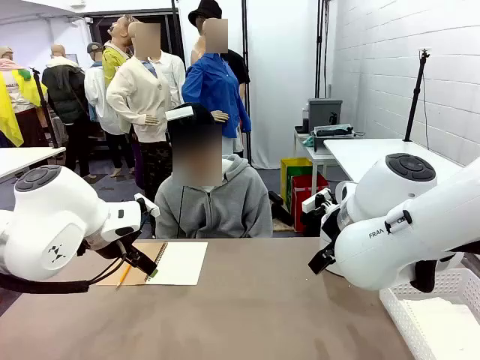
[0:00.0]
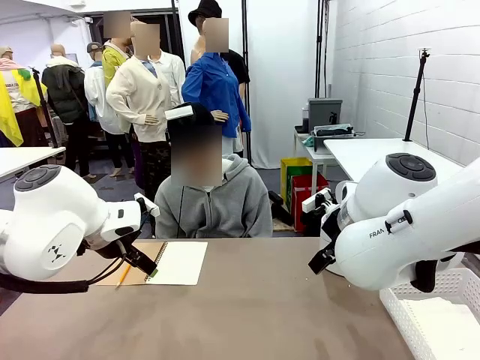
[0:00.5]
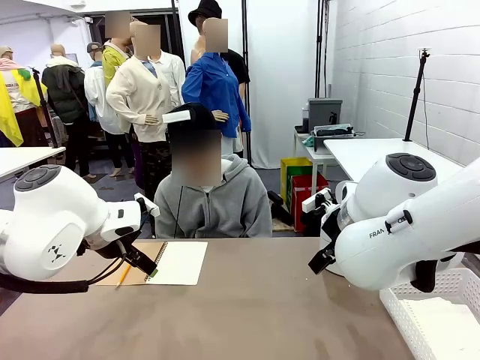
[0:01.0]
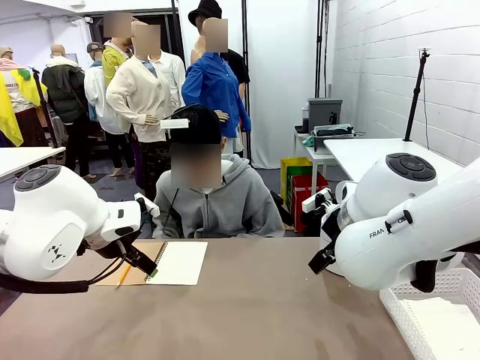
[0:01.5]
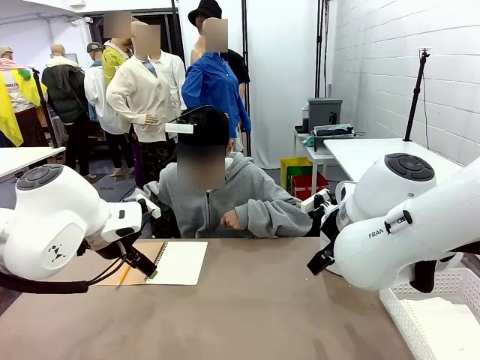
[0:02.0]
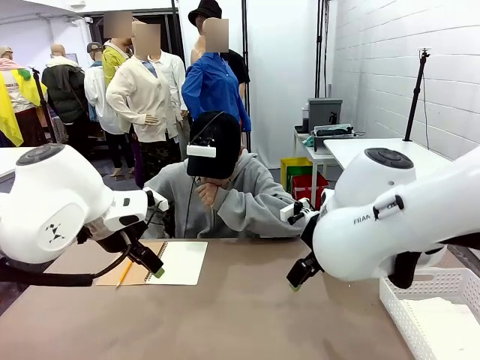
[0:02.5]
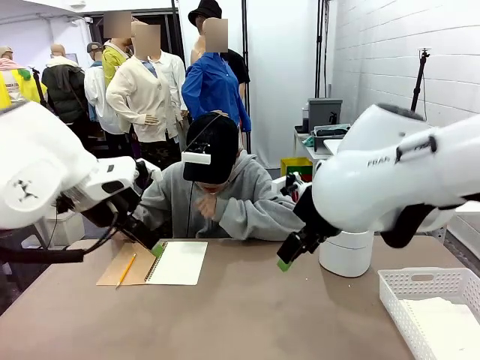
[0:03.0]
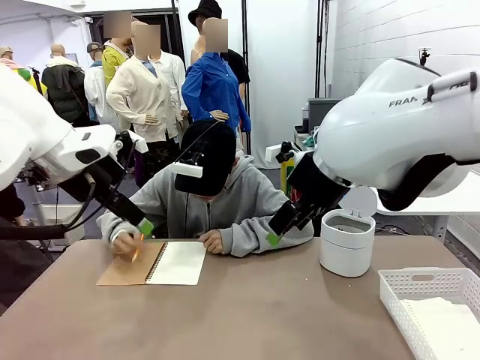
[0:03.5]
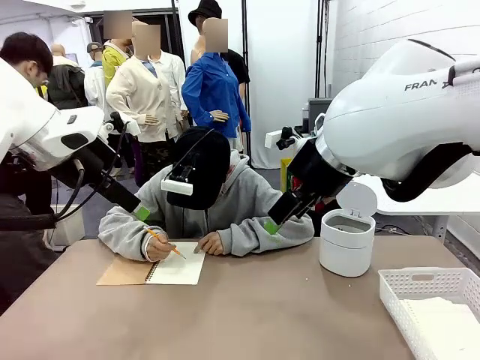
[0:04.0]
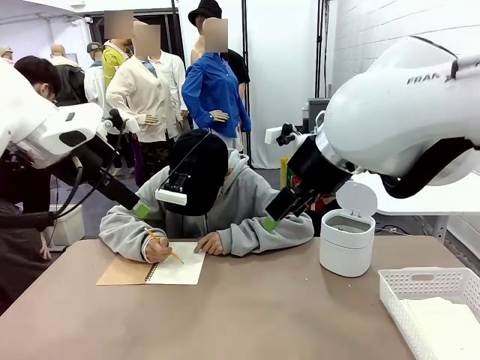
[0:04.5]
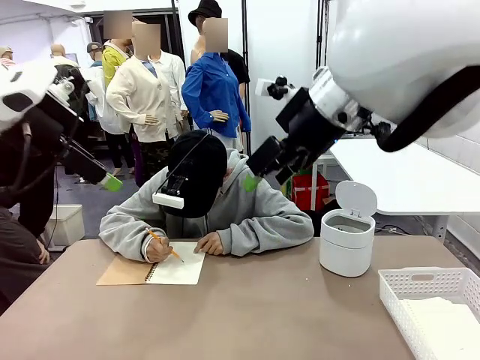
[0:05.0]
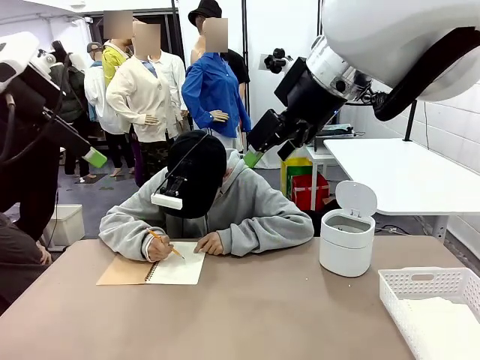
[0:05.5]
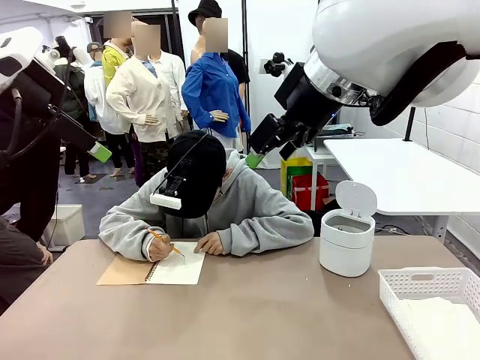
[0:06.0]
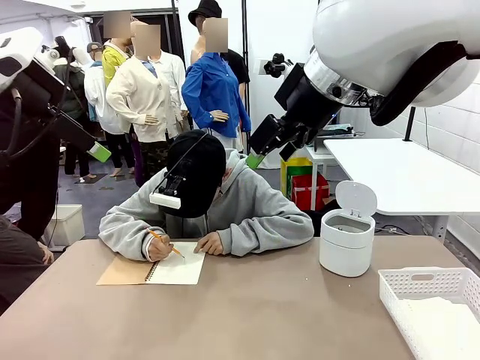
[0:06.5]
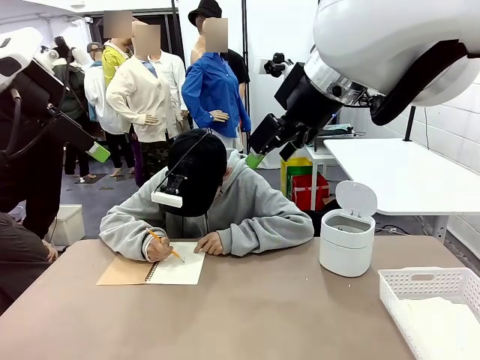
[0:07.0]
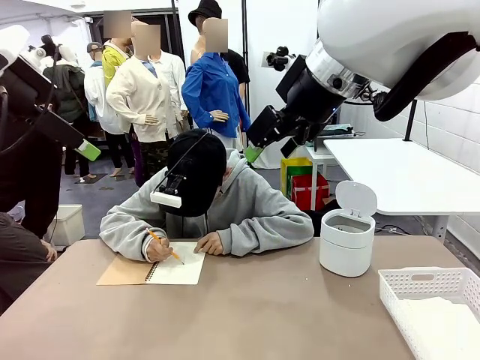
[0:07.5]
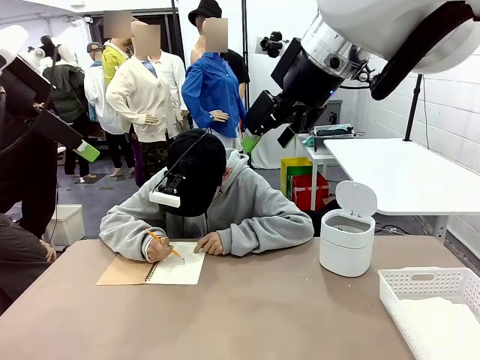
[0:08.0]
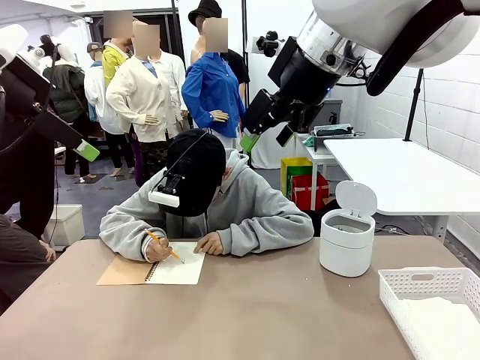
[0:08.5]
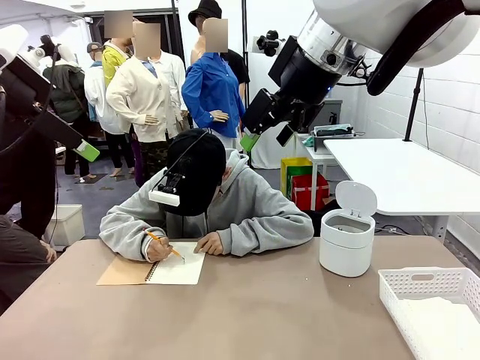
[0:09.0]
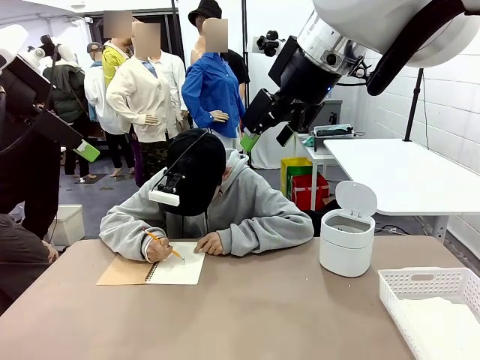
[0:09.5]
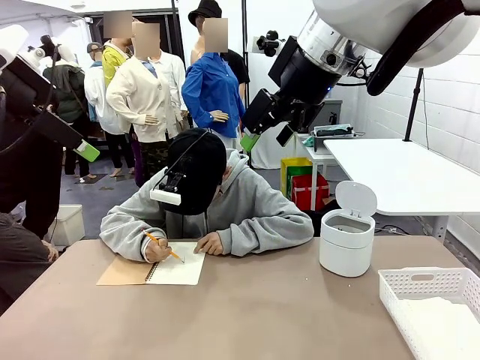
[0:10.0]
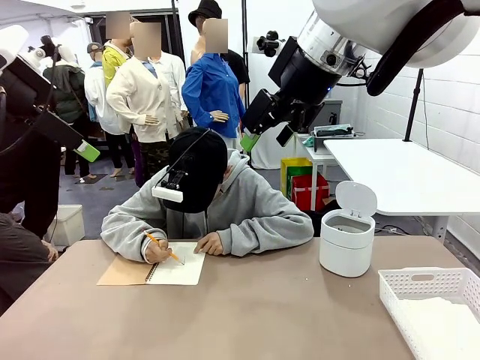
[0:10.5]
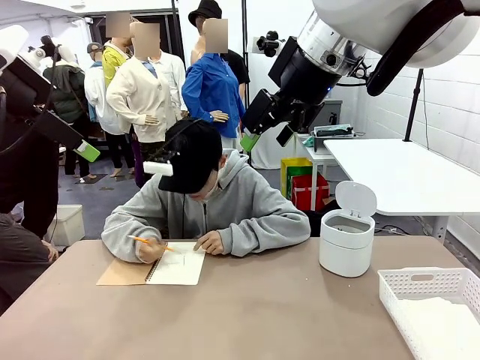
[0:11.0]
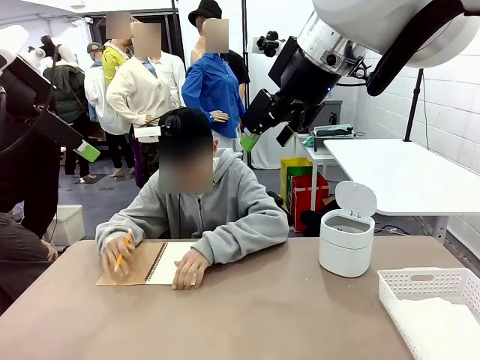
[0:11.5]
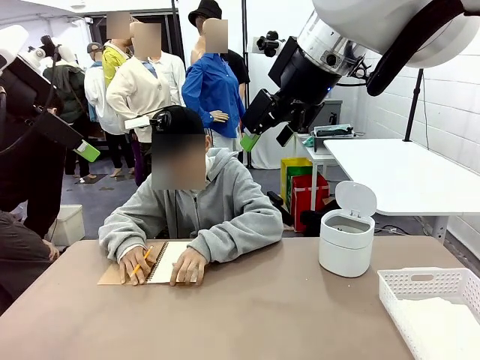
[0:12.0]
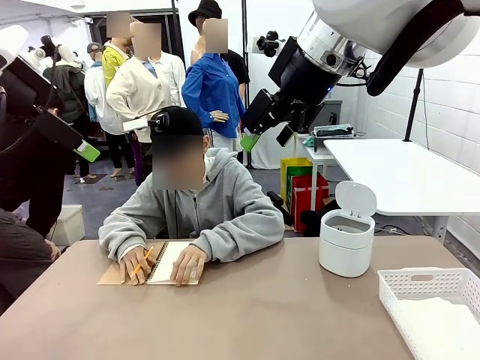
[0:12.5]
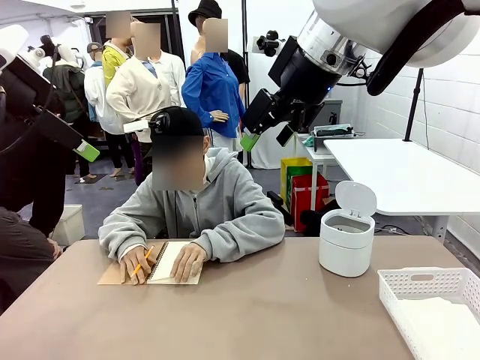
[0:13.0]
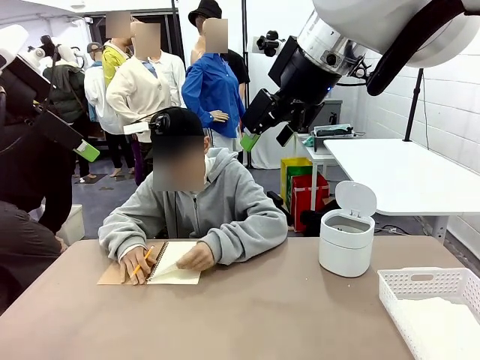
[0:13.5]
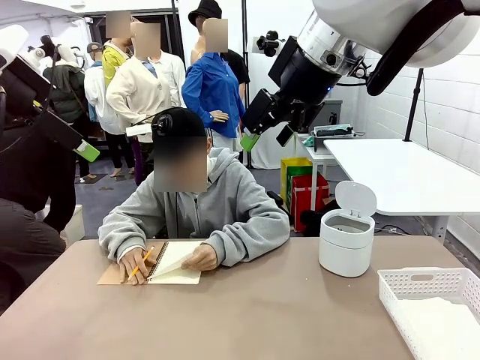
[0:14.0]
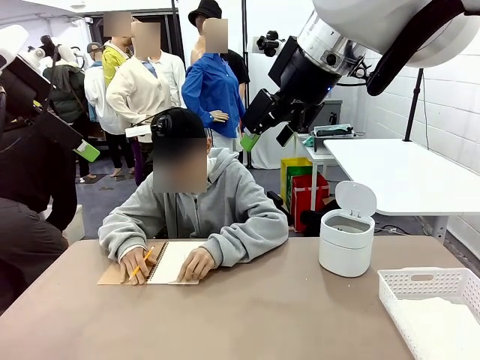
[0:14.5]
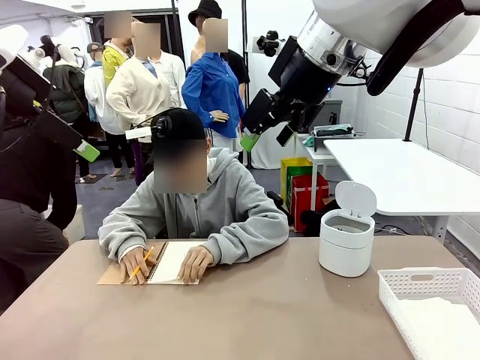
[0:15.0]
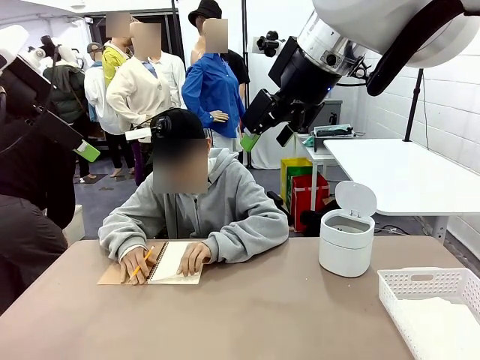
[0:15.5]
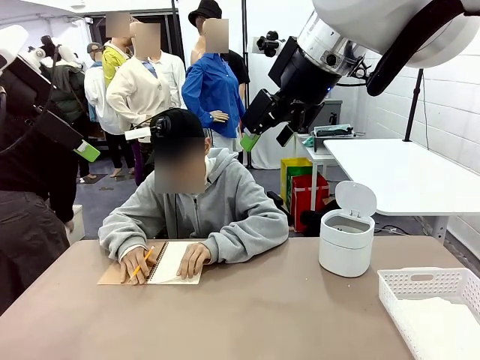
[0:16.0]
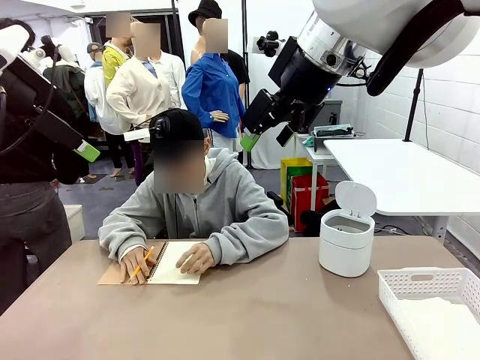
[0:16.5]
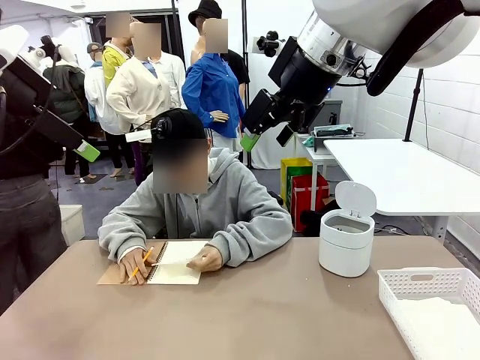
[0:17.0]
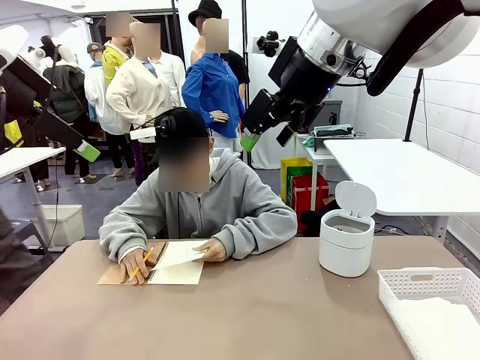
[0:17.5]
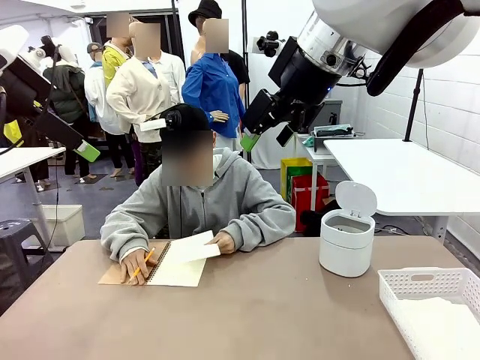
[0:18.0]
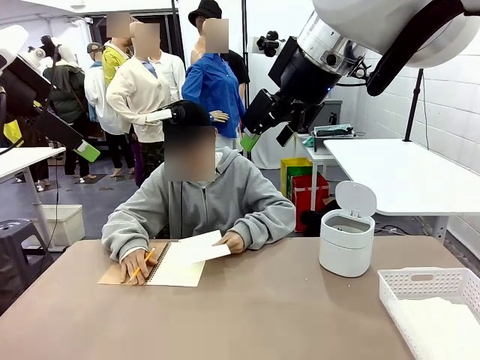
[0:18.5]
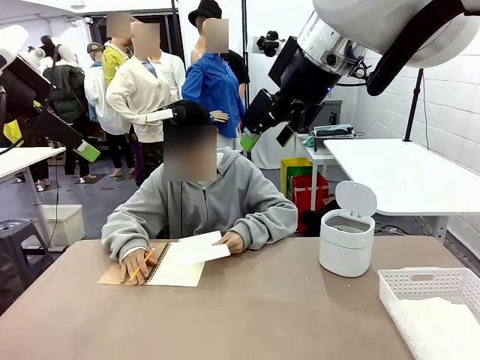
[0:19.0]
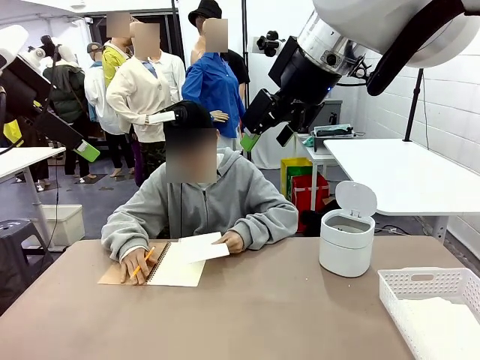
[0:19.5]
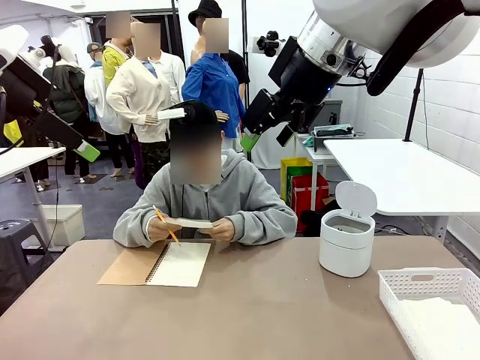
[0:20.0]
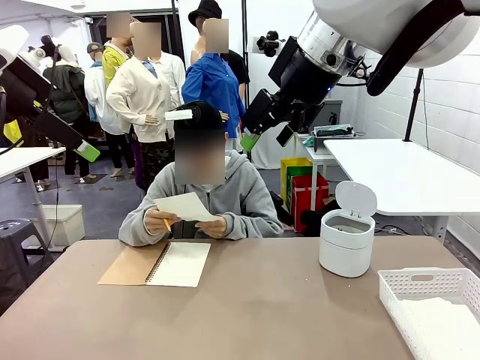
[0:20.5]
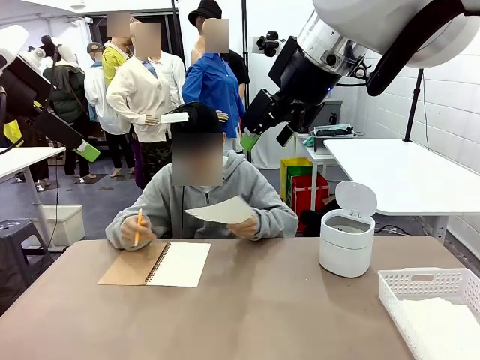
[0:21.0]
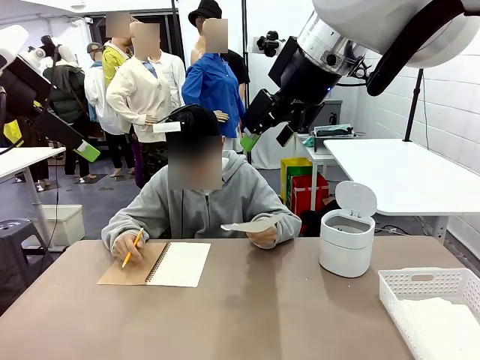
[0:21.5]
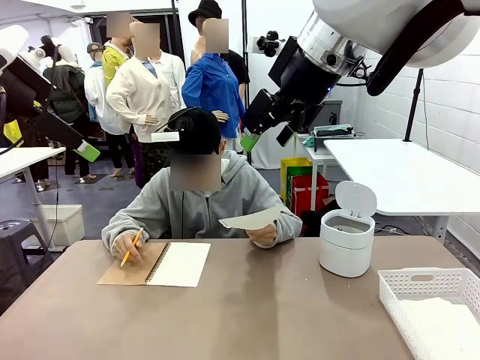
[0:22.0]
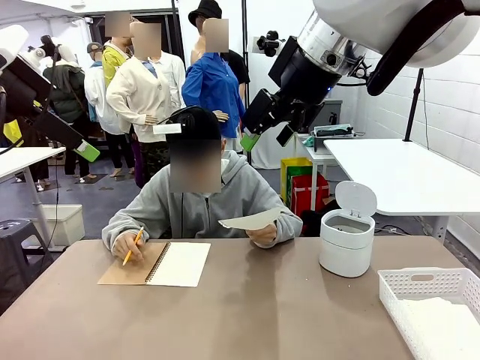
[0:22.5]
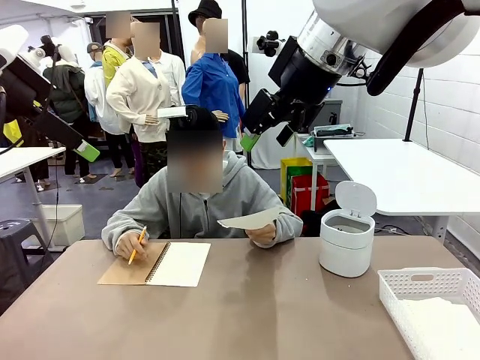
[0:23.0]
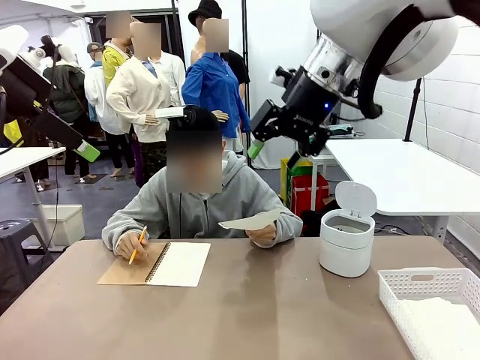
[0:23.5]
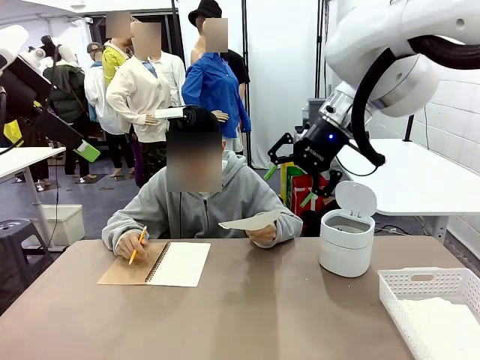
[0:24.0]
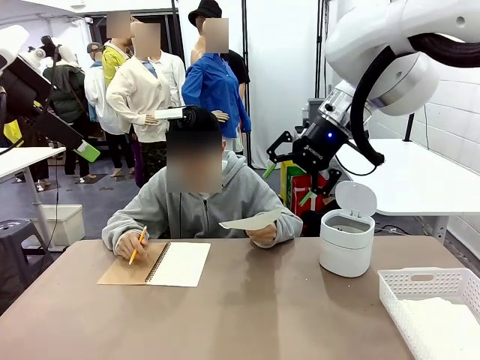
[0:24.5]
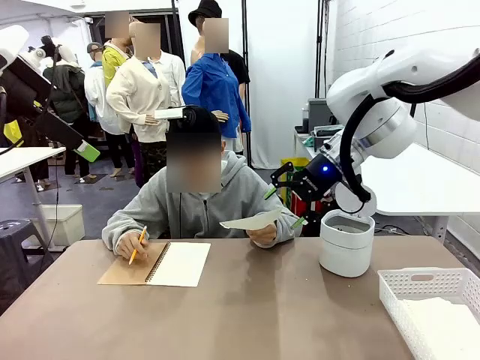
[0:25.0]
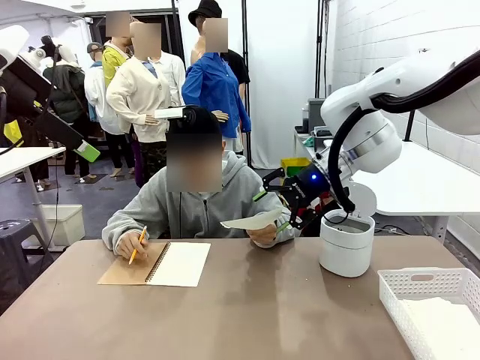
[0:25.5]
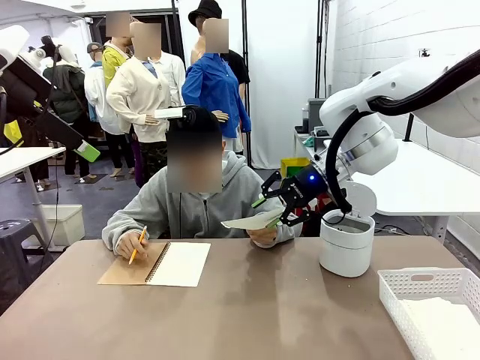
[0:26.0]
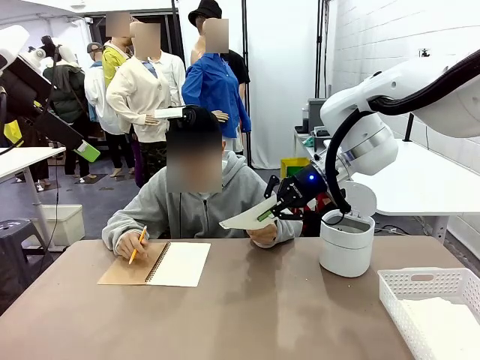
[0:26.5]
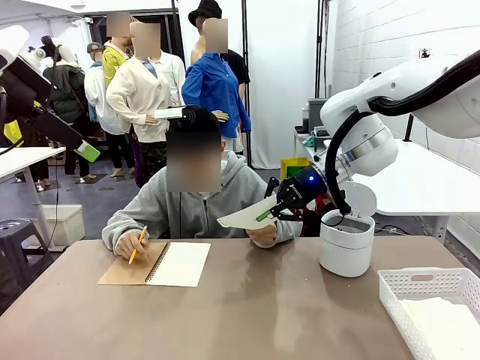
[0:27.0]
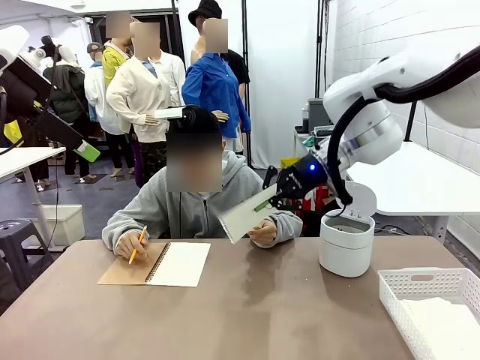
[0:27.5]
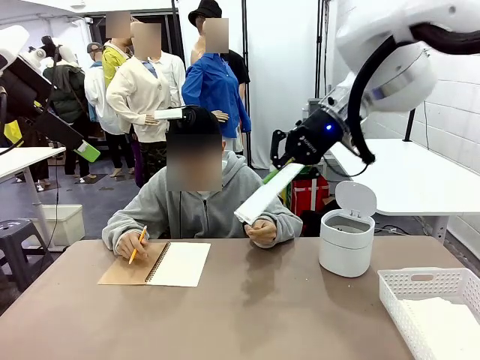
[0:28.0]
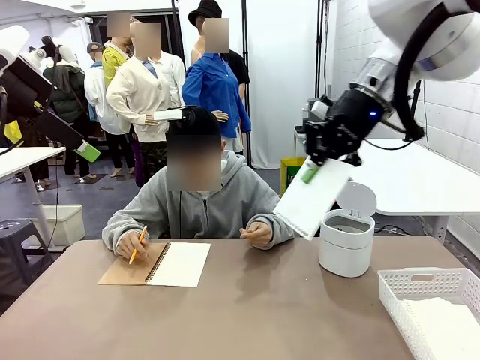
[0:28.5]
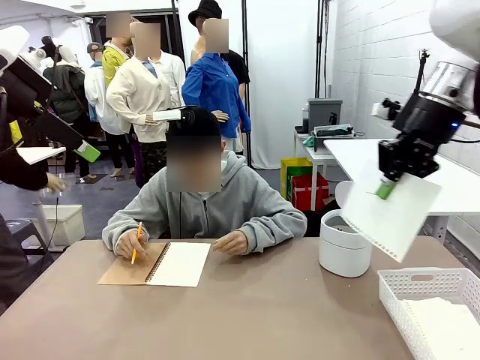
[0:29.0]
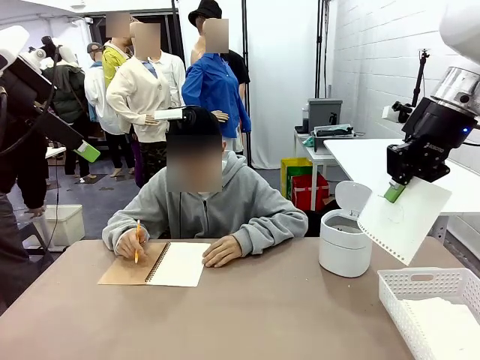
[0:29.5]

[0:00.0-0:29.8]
Task: Sort the paper based on its condition.
Robot: If a person hands you a paper, place it in the Organizing basket , and if it's crumpled, put it in the Trash can.
Person: Tear out a page from the spiral notebook. Hand the torn page to the robot or crumple it and throw it to the center of the table.
